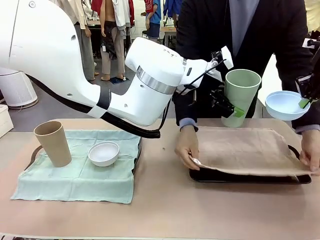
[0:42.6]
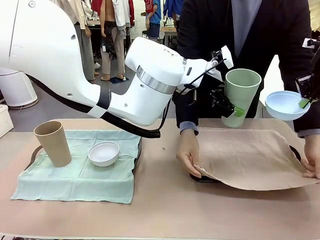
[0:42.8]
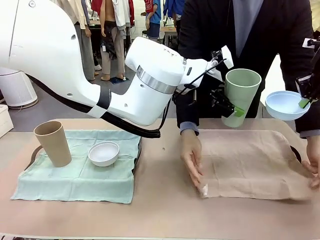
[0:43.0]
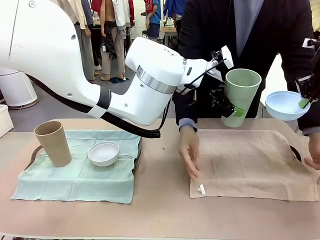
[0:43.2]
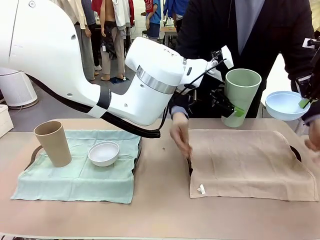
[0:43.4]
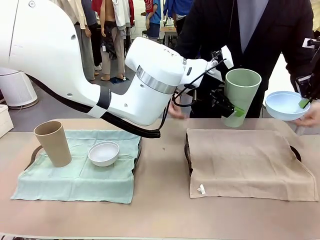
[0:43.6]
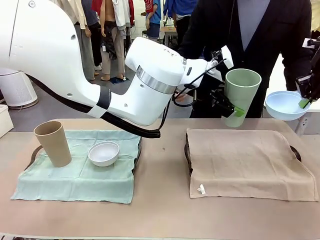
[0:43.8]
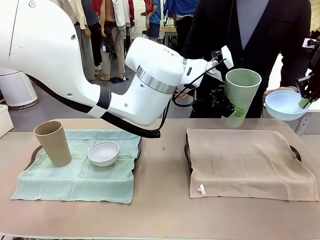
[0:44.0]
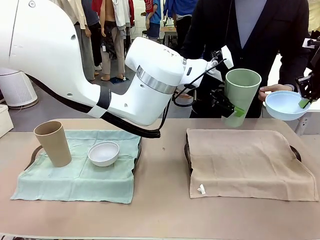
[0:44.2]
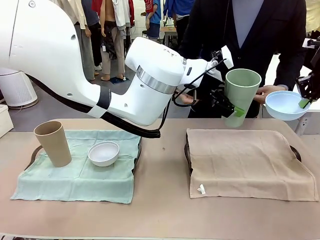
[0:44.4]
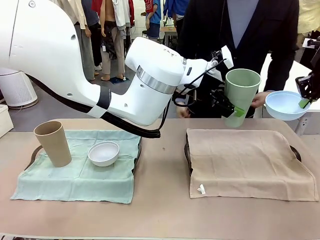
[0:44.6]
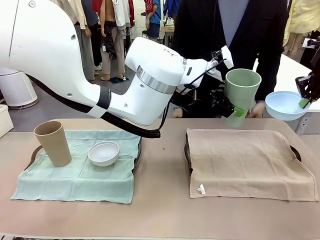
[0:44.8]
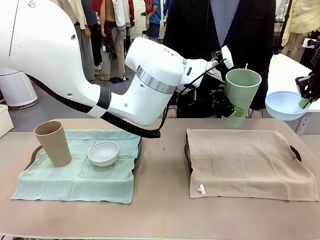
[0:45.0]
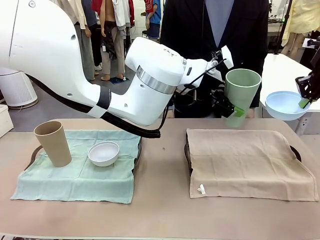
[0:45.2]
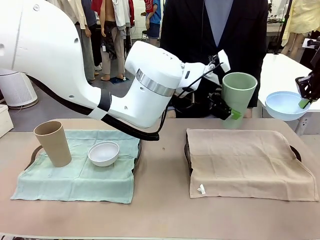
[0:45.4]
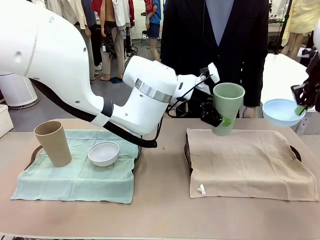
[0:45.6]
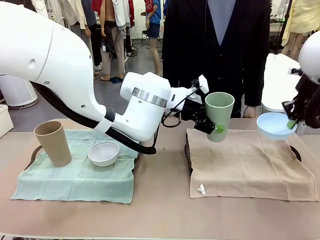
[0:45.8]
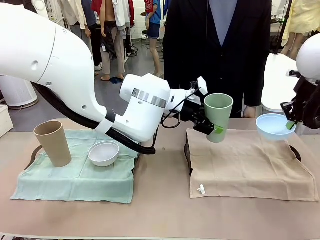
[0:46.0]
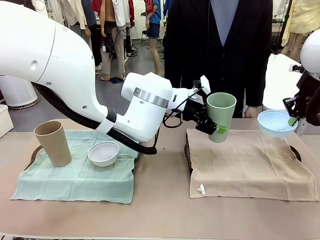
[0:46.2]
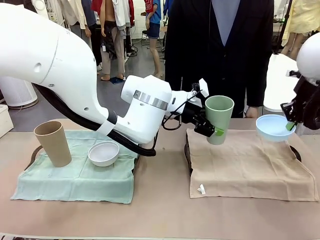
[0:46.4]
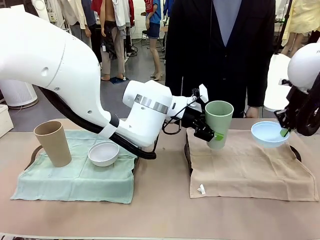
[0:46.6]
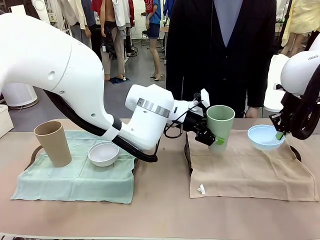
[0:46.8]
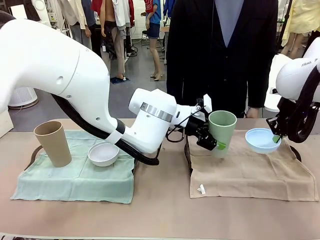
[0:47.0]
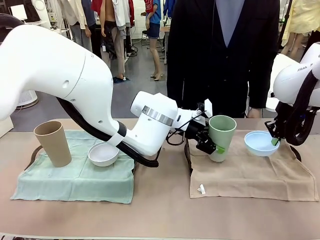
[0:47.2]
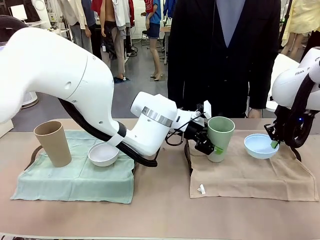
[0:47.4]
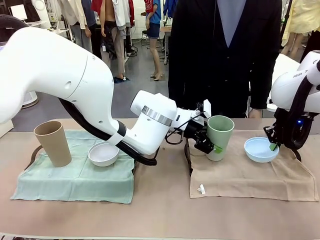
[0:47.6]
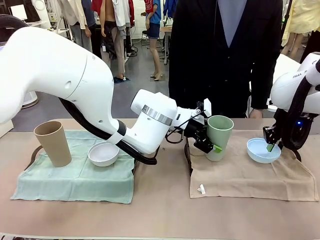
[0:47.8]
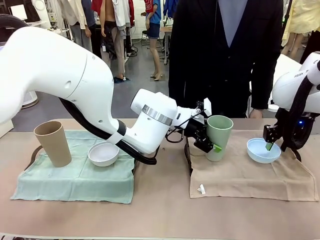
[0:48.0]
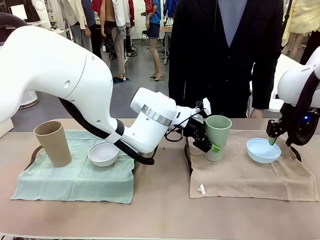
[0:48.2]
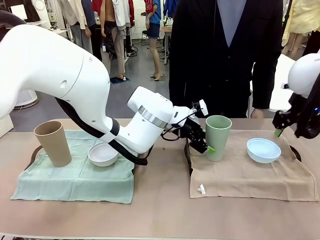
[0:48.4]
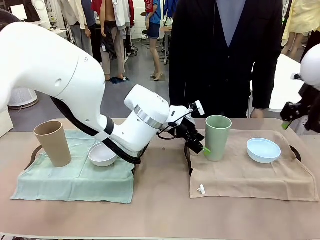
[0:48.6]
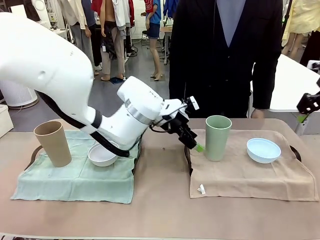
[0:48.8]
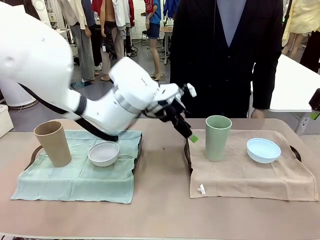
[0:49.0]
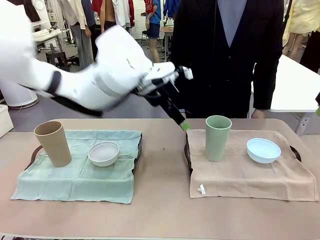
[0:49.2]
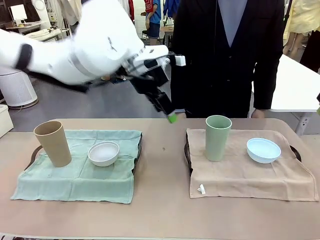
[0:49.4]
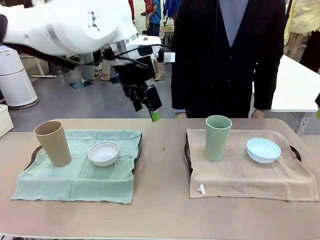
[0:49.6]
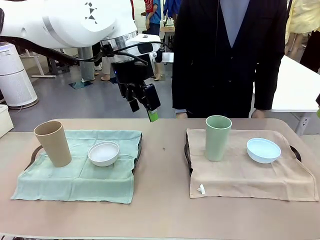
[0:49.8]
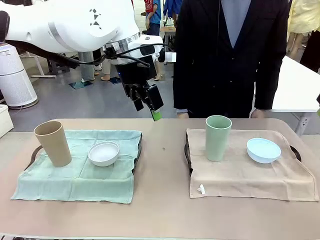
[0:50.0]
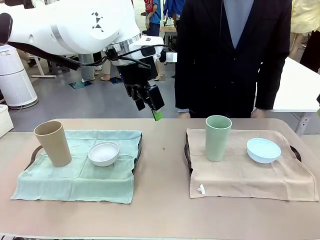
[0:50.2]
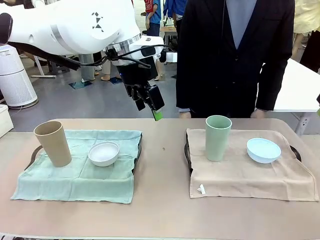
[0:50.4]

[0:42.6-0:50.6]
Robot: Place the Picnic Bowl and Reusable plastic cup back onto the Handle tray in front of the human's position.

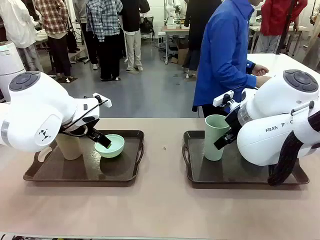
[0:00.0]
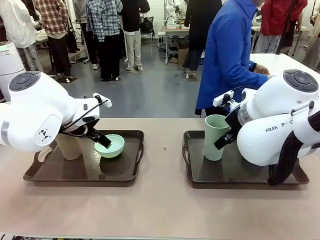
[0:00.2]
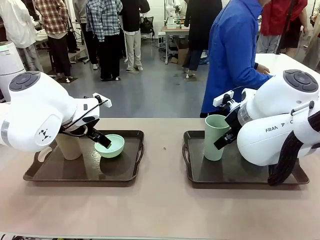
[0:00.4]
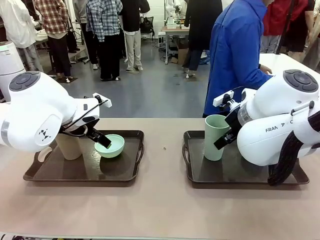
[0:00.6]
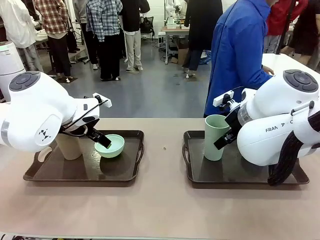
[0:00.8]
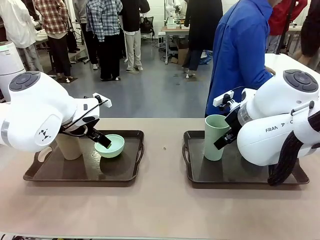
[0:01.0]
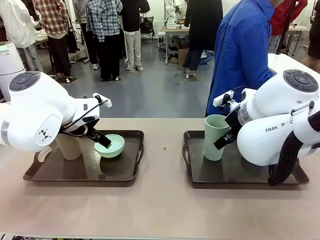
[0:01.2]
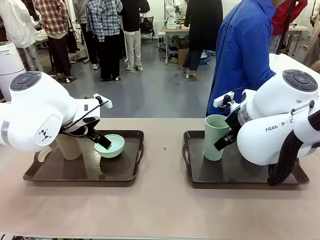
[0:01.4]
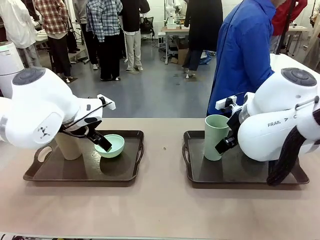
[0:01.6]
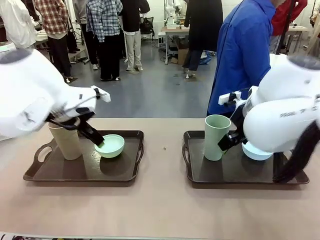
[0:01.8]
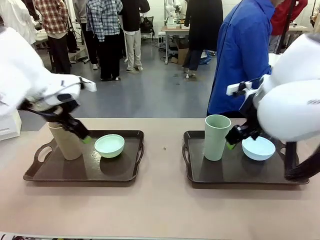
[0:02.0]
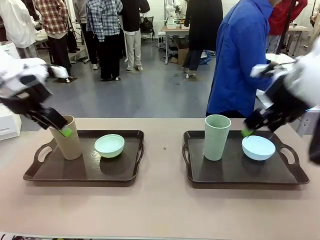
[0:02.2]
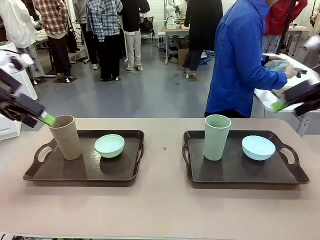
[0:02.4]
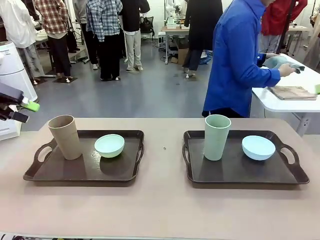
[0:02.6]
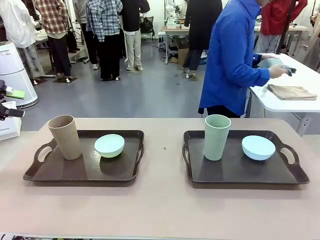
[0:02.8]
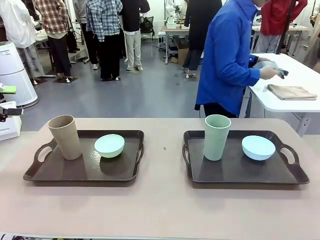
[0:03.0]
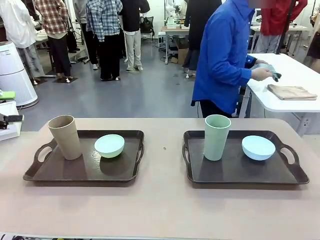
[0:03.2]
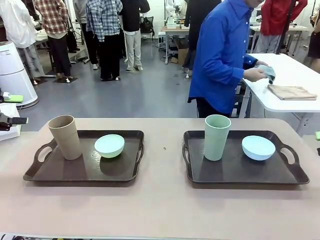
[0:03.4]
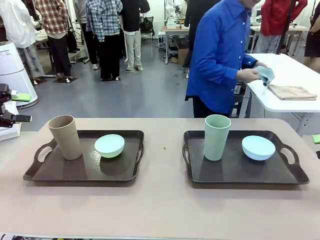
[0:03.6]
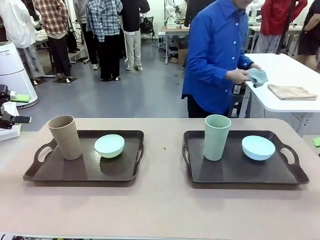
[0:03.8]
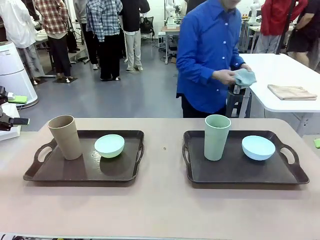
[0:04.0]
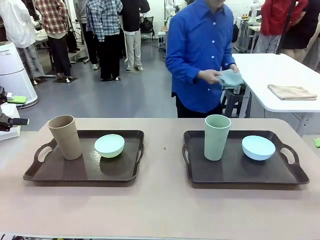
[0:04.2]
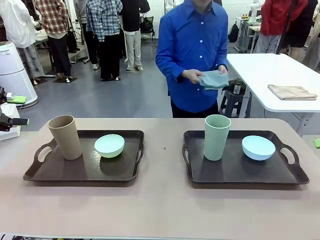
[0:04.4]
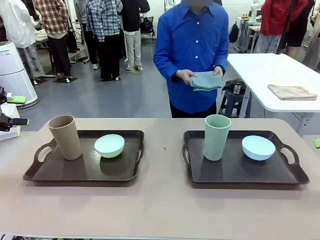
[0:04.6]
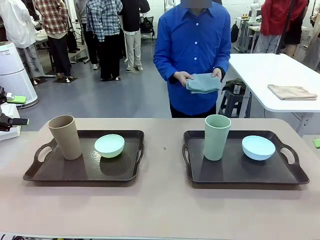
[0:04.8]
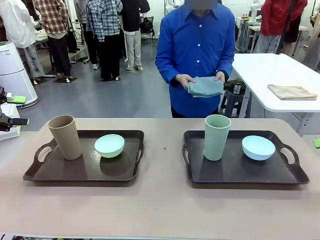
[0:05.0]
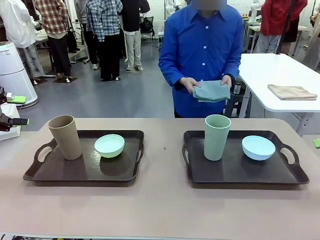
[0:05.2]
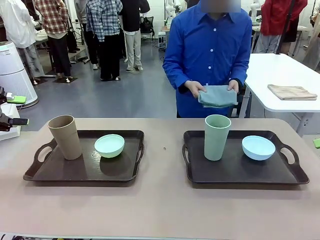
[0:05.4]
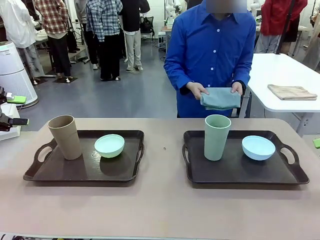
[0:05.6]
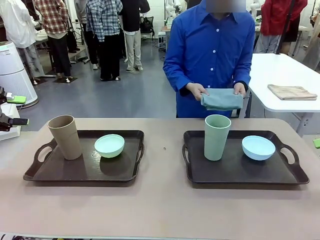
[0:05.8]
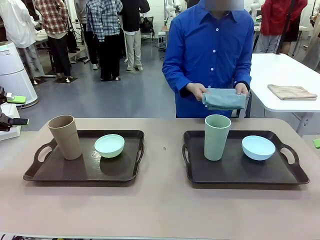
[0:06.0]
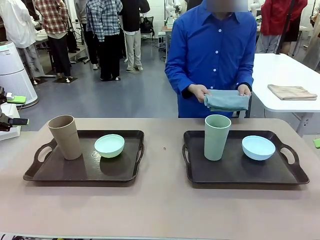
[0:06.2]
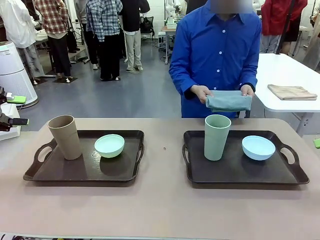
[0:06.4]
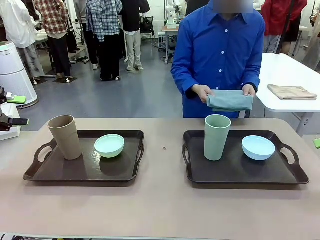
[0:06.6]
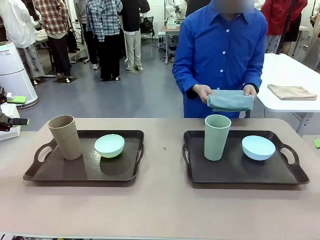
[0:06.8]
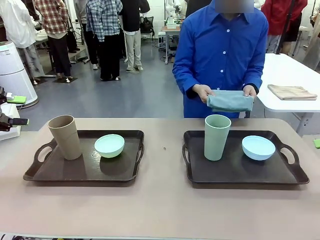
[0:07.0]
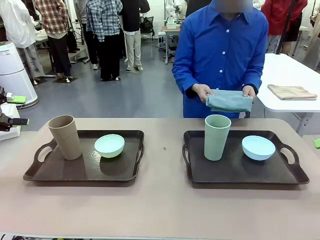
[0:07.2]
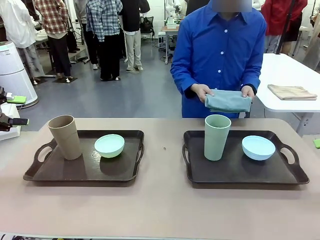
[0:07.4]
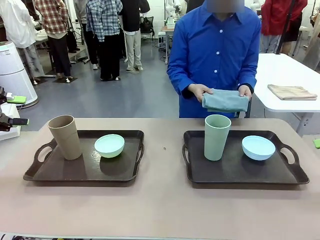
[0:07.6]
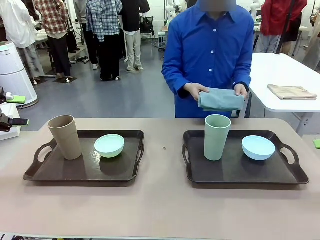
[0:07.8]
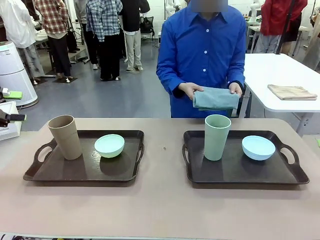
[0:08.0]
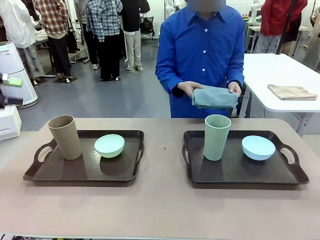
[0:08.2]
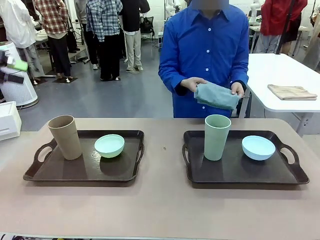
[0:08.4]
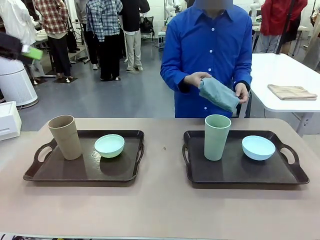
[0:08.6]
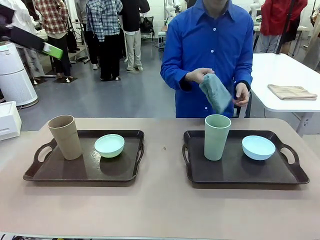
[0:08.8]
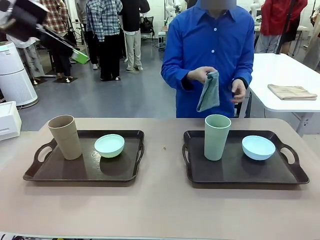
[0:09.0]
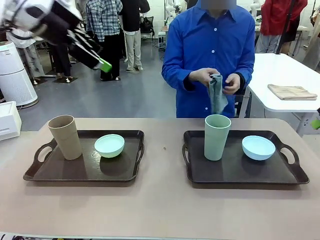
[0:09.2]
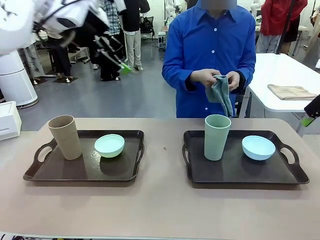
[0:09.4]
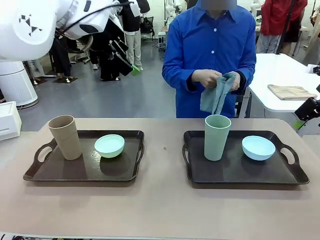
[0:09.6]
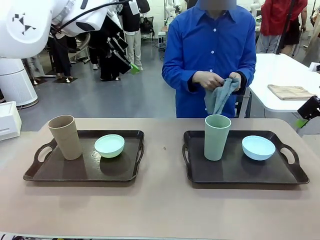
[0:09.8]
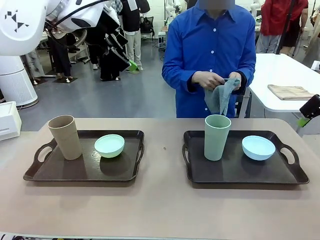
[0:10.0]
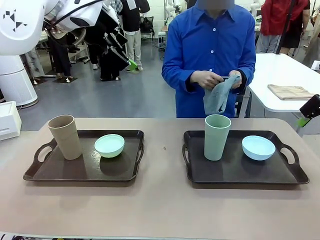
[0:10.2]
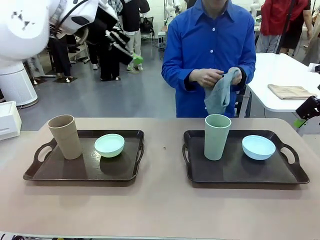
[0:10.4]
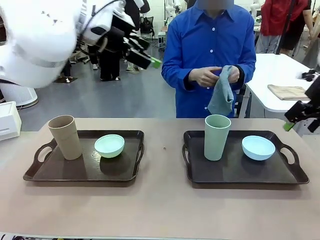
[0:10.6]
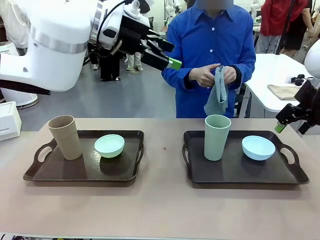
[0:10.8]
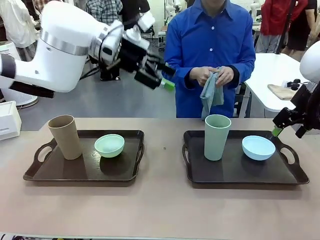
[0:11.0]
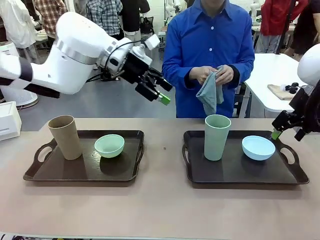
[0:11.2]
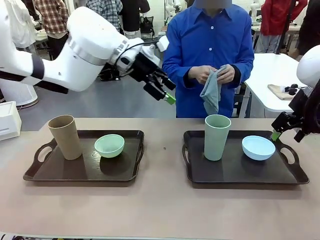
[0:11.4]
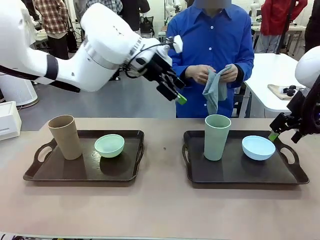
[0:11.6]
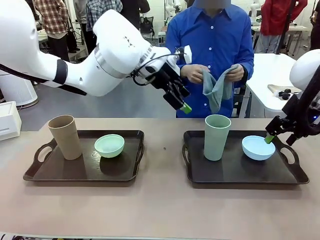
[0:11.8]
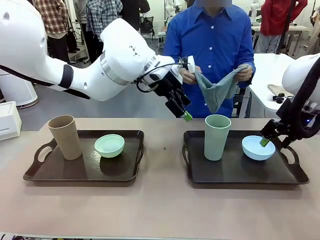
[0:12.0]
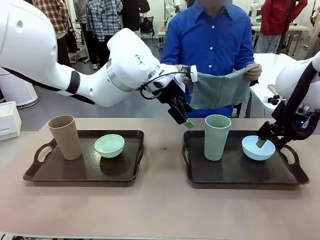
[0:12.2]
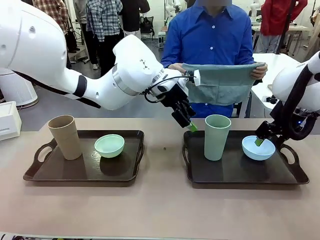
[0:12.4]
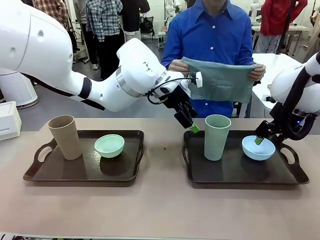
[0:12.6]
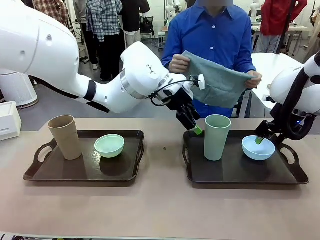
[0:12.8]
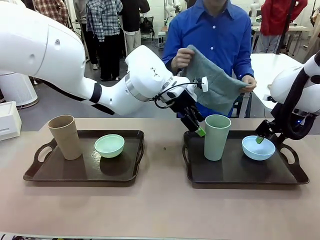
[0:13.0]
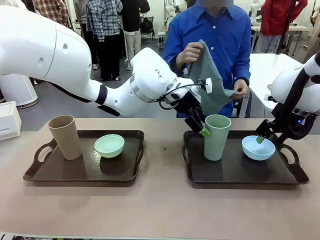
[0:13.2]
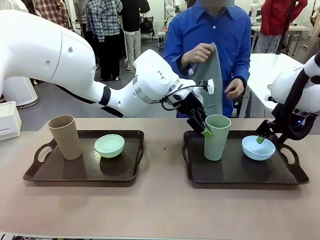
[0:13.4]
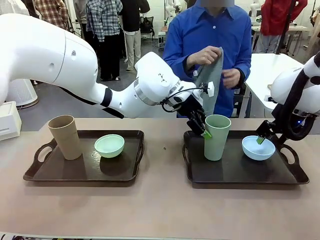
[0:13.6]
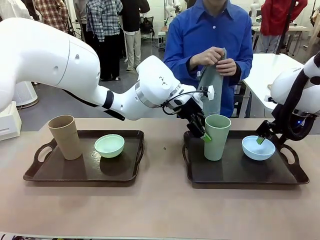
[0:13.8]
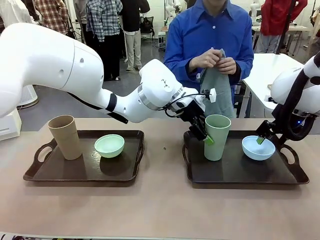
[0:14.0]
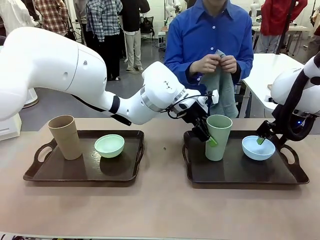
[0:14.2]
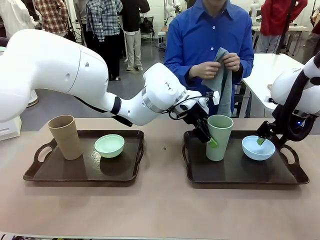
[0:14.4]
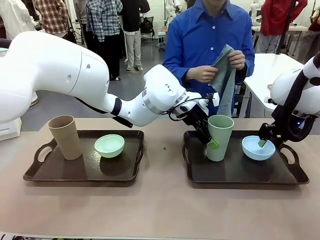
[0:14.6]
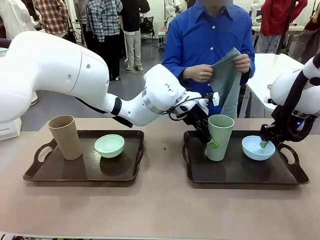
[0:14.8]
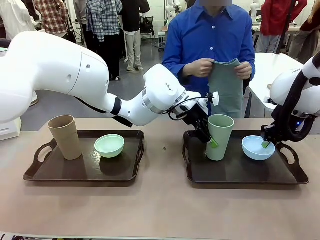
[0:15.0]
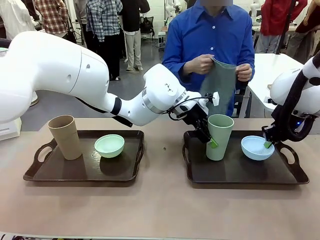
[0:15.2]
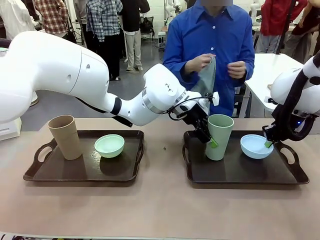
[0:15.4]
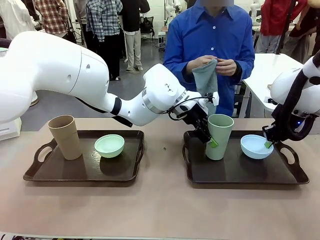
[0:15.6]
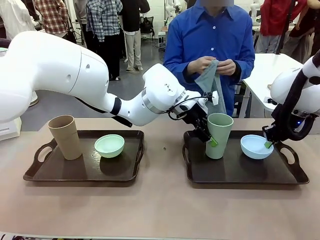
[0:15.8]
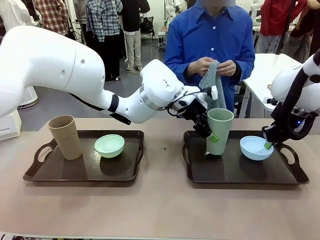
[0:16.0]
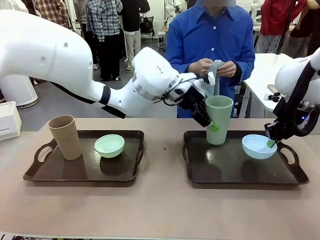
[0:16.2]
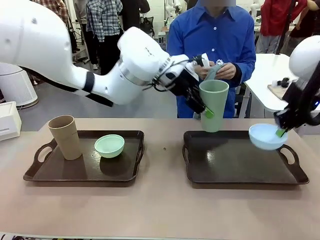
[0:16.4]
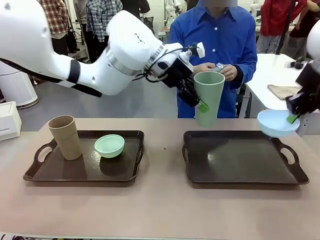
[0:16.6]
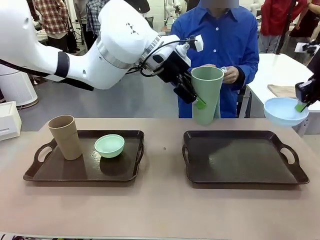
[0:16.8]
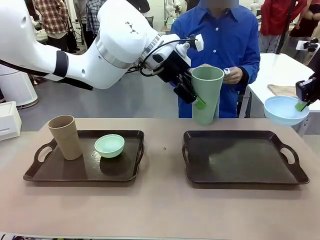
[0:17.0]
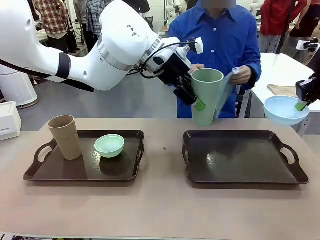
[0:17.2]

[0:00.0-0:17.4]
Robot: Pick up the Picnic Bowl and Reusable plastic cup from the Handle tray in front of the human's position and hold them in the air.
Person: The human picks up the top napkin from the stack on the human table and walks to the robot table to stand in front of one of the two trays. When the robot lifts the bowl and the cup, the human unfolds the napkin and lays the napkin flat on the tray.
